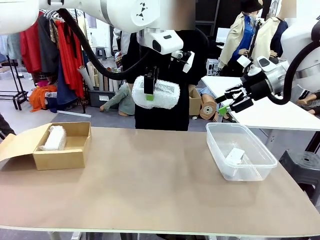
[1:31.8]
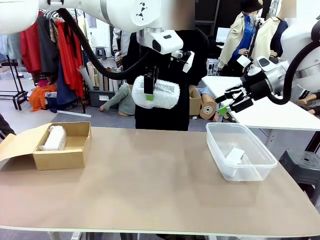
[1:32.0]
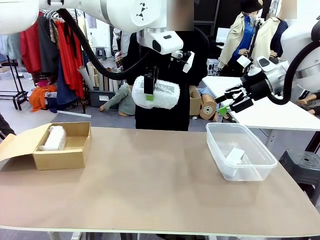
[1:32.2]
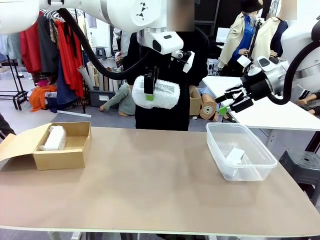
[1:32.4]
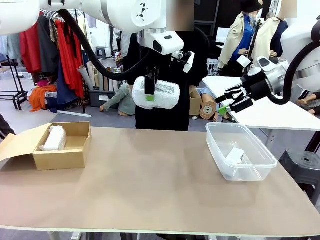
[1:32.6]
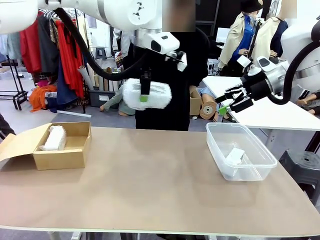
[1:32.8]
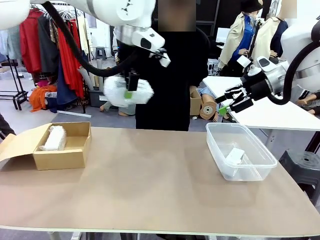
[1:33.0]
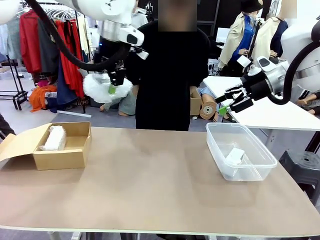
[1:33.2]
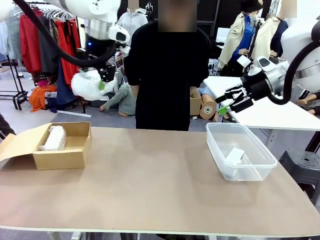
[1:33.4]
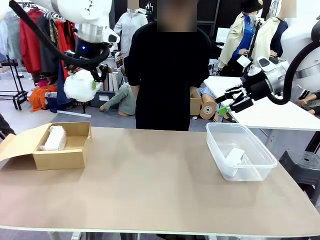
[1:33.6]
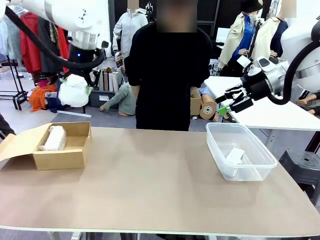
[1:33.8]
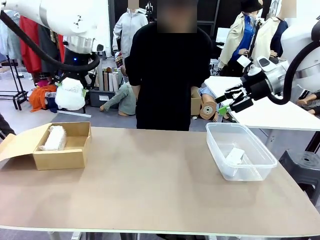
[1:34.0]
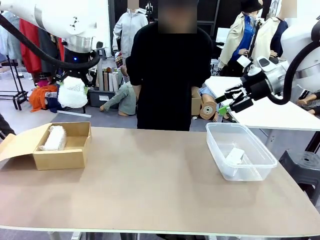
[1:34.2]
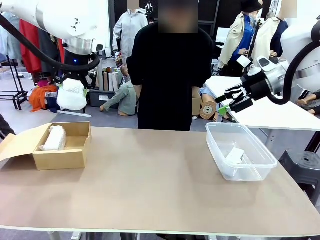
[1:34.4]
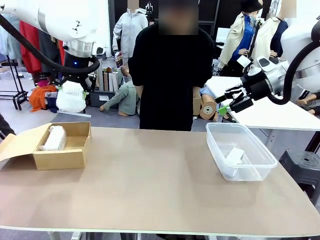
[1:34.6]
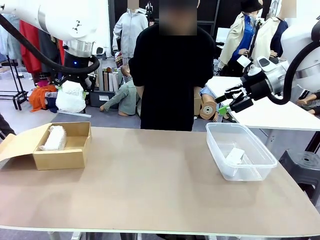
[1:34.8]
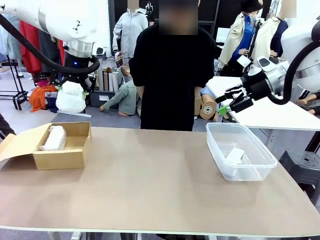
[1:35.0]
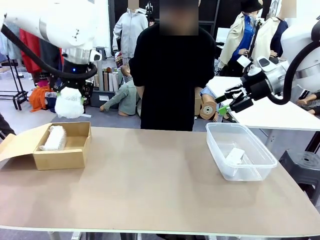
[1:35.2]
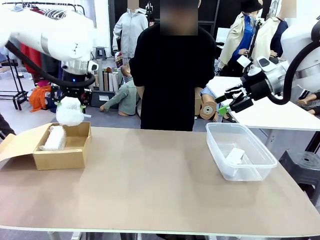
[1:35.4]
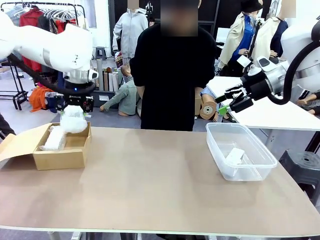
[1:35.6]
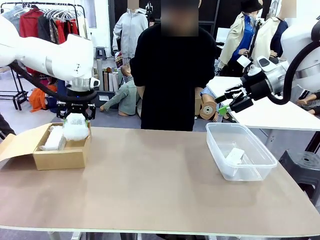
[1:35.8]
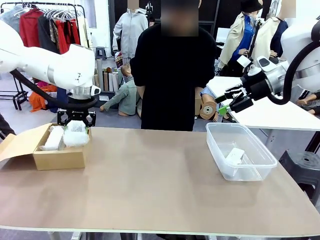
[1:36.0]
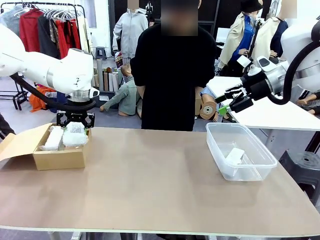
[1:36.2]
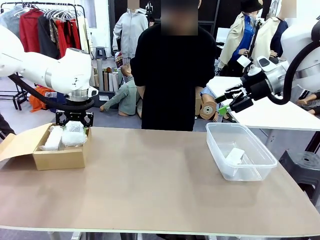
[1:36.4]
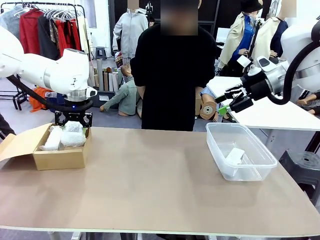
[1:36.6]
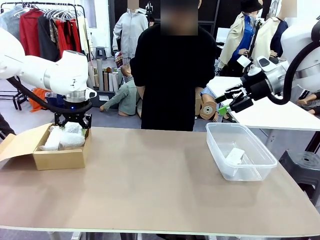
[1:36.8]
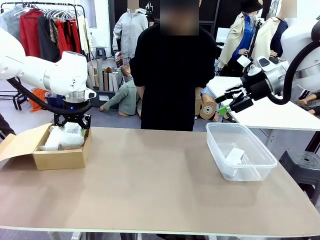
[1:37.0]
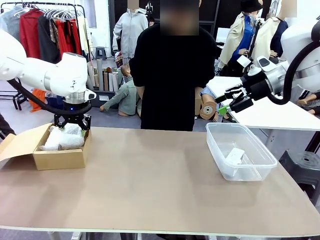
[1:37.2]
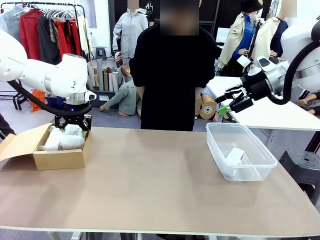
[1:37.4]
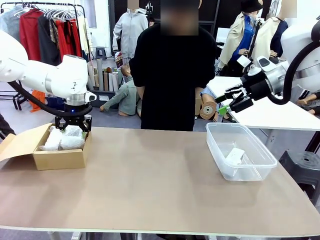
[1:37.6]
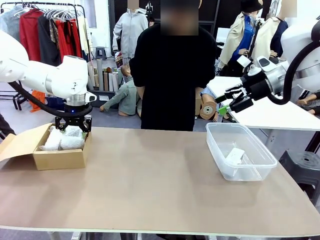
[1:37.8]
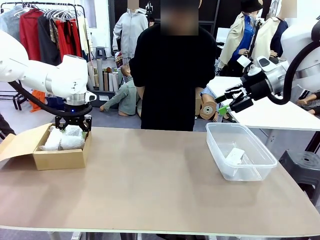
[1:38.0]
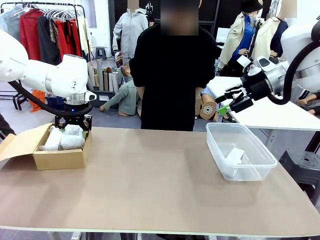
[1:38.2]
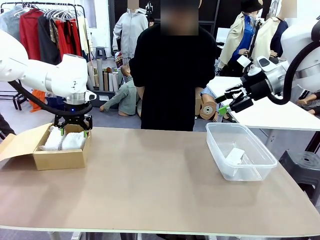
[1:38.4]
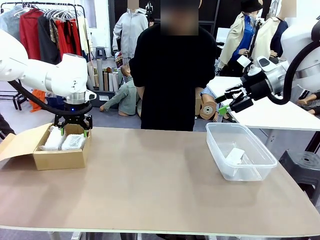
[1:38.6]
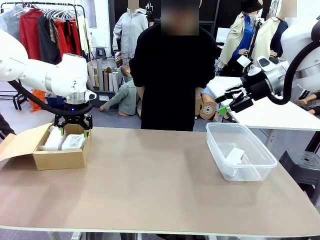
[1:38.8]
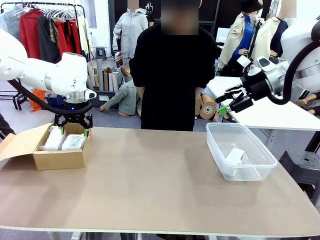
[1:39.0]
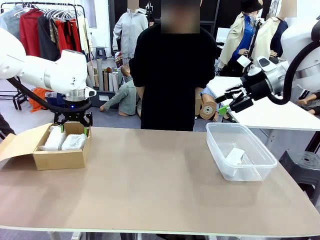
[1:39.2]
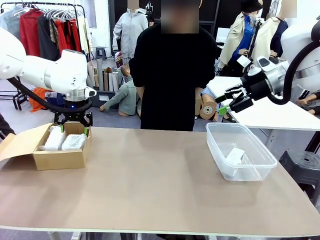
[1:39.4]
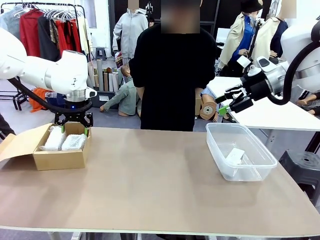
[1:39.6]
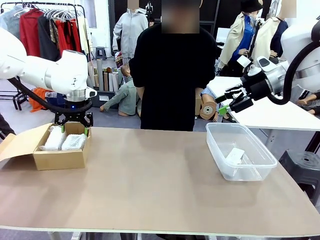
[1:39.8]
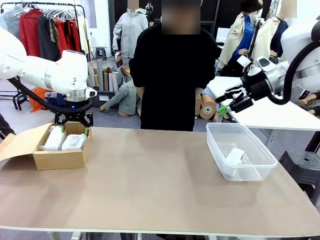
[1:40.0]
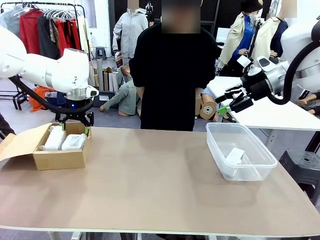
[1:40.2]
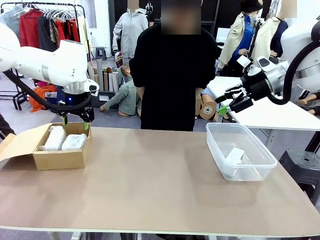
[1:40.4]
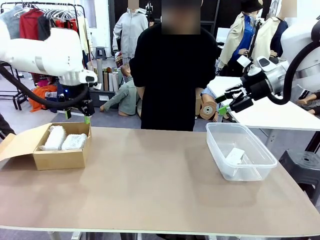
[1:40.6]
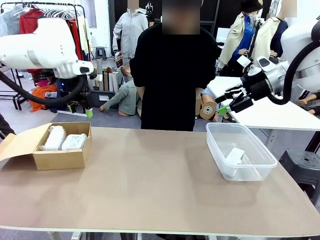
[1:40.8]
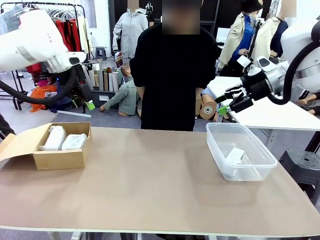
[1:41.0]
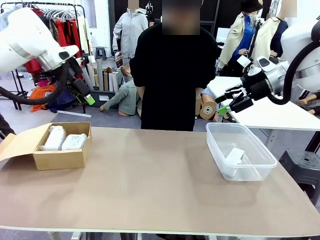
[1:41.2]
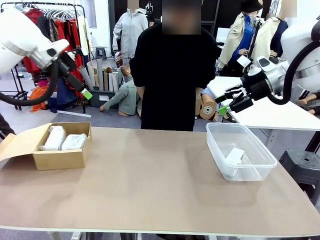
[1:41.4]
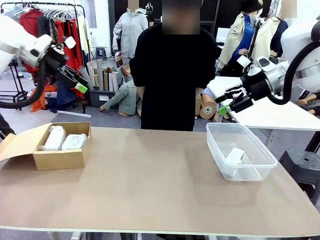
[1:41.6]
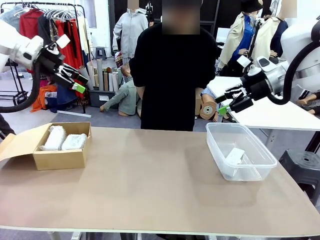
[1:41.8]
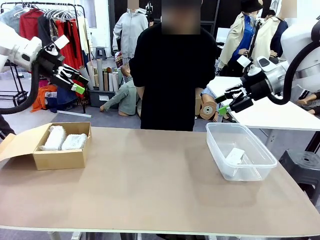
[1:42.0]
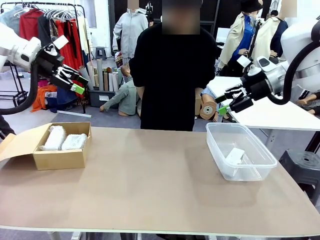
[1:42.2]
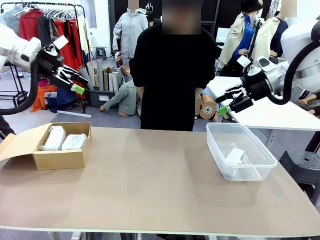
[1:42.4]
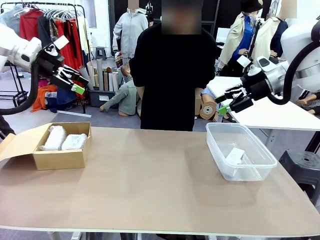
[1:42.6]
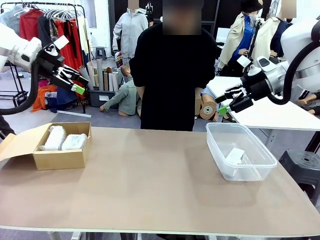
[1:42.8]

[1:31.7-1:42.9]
Task: Separate and place wrapped and unwrapped clocks.
Robot: If the picked Digital clock is wrapped, place it in the Package Box ; if not, place it in the Organizing box.

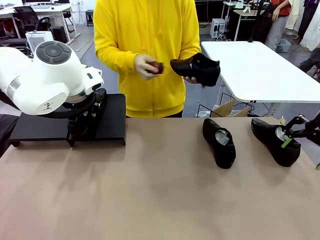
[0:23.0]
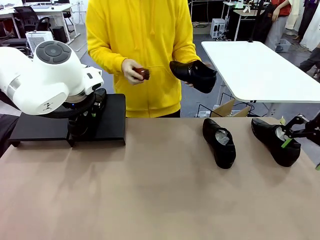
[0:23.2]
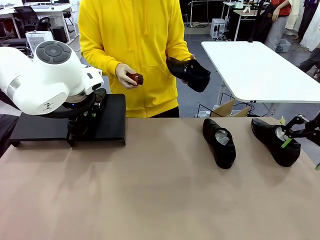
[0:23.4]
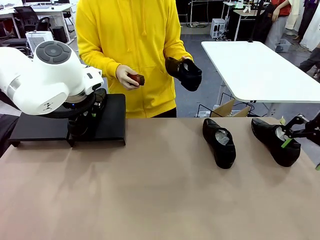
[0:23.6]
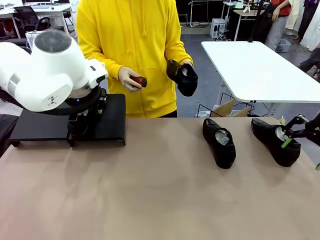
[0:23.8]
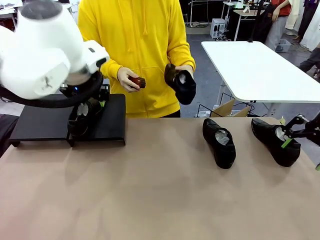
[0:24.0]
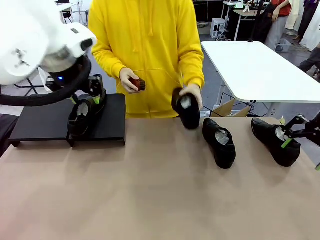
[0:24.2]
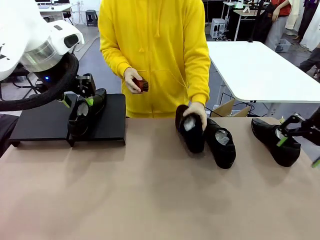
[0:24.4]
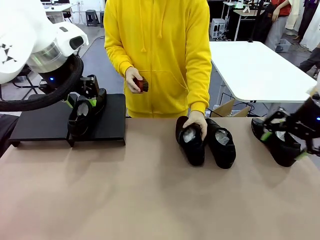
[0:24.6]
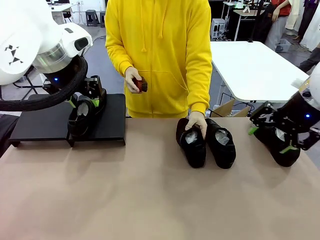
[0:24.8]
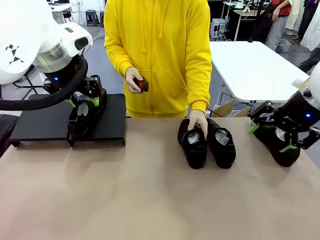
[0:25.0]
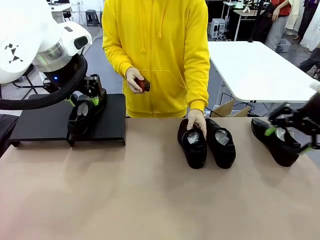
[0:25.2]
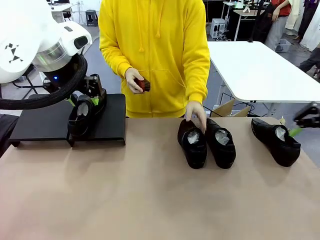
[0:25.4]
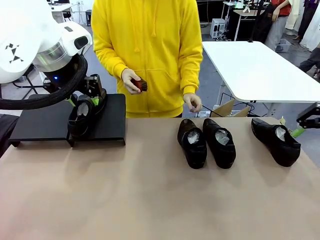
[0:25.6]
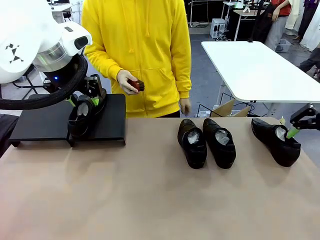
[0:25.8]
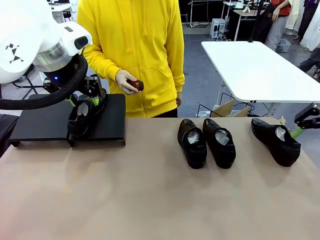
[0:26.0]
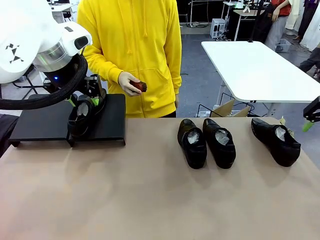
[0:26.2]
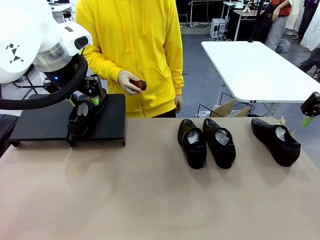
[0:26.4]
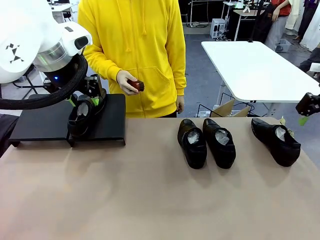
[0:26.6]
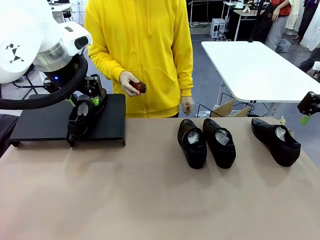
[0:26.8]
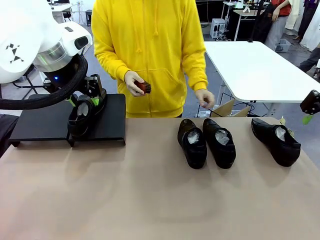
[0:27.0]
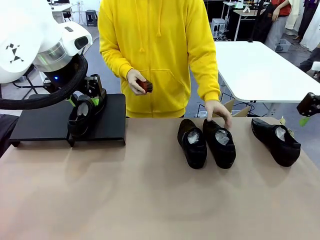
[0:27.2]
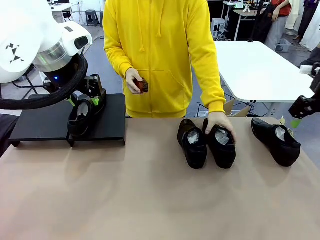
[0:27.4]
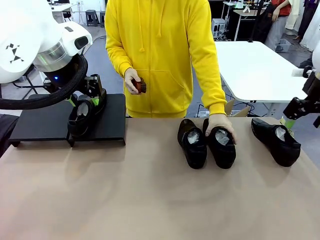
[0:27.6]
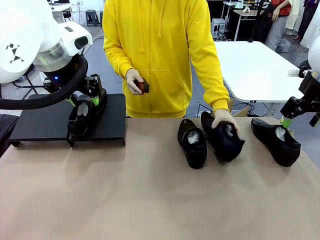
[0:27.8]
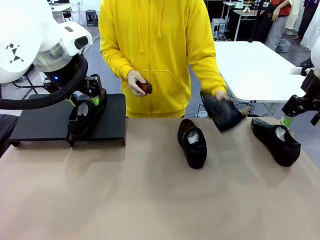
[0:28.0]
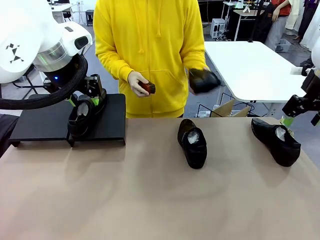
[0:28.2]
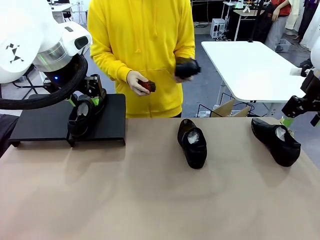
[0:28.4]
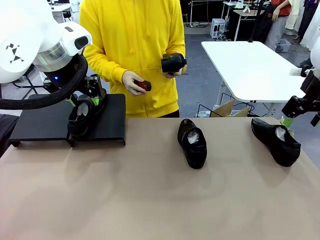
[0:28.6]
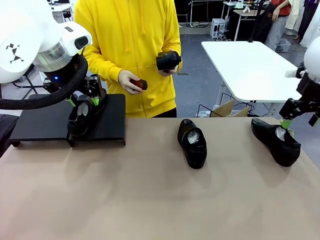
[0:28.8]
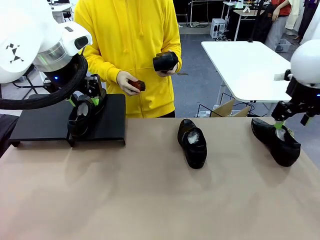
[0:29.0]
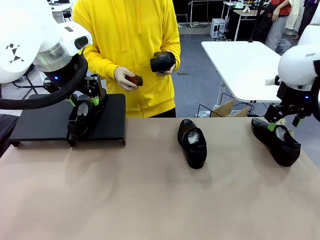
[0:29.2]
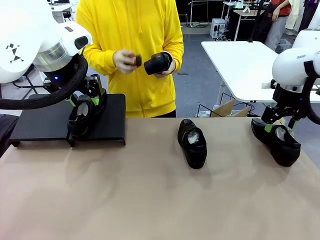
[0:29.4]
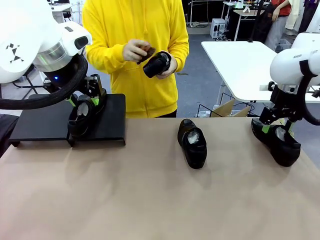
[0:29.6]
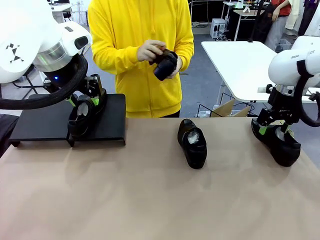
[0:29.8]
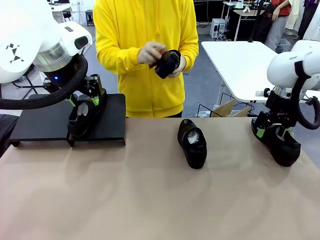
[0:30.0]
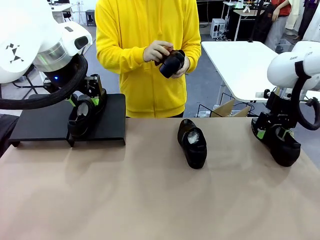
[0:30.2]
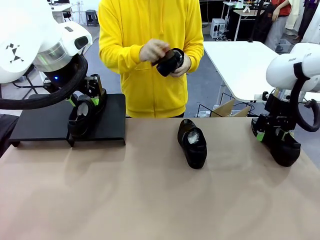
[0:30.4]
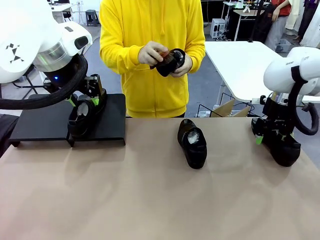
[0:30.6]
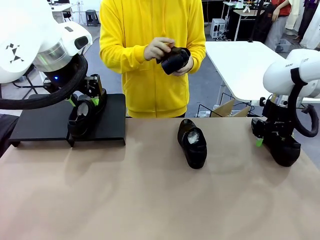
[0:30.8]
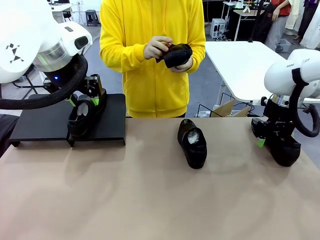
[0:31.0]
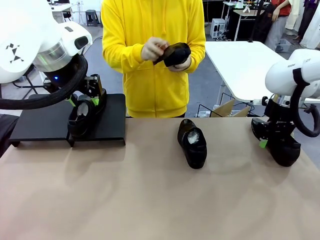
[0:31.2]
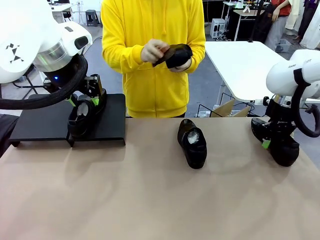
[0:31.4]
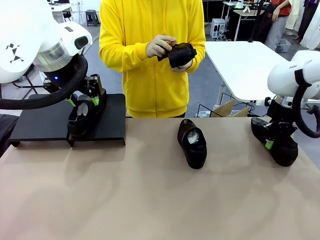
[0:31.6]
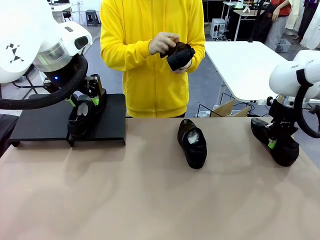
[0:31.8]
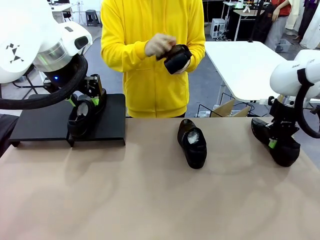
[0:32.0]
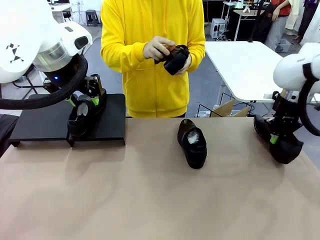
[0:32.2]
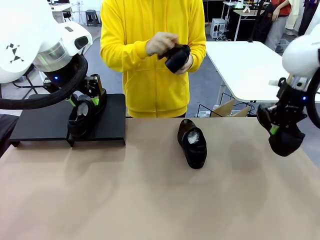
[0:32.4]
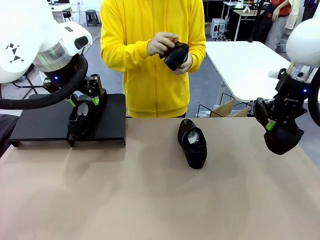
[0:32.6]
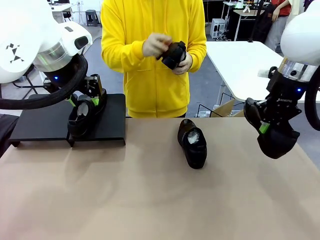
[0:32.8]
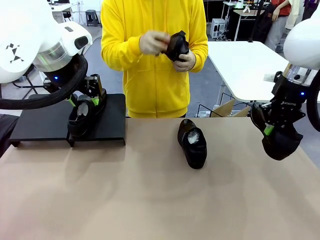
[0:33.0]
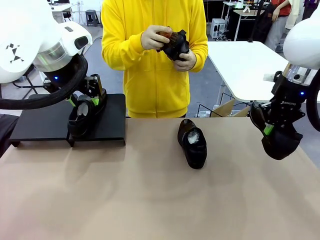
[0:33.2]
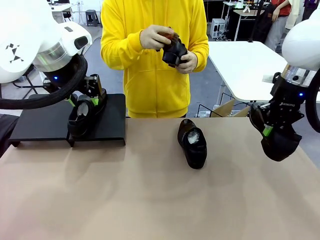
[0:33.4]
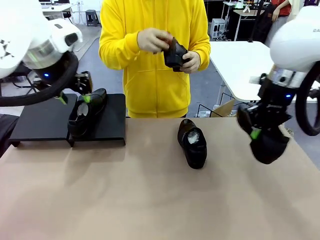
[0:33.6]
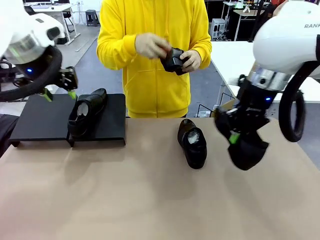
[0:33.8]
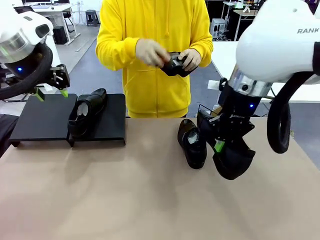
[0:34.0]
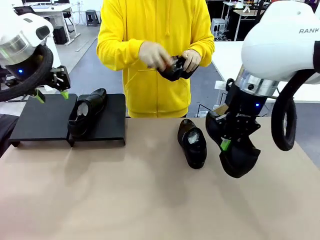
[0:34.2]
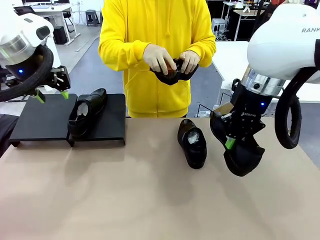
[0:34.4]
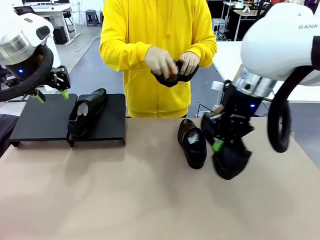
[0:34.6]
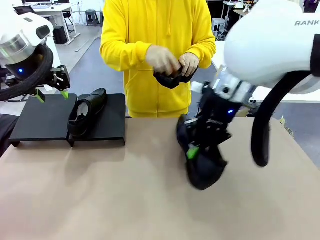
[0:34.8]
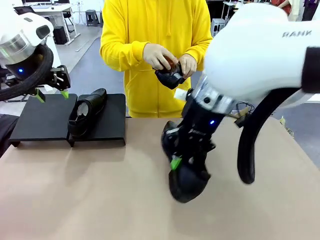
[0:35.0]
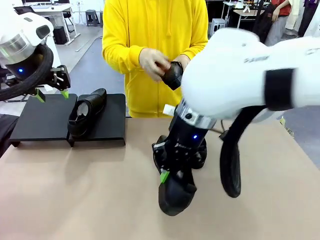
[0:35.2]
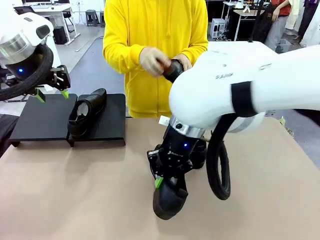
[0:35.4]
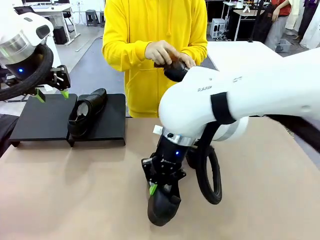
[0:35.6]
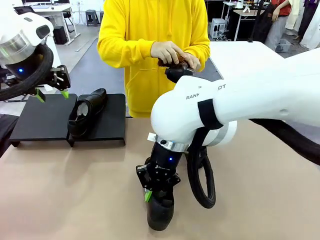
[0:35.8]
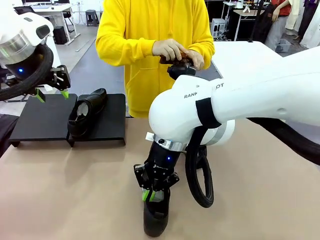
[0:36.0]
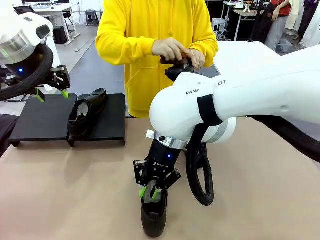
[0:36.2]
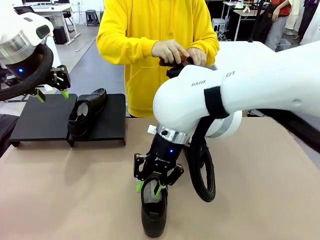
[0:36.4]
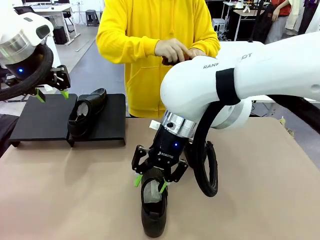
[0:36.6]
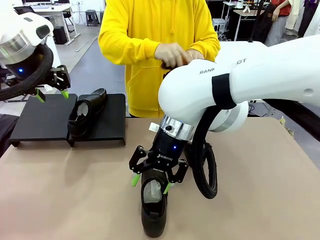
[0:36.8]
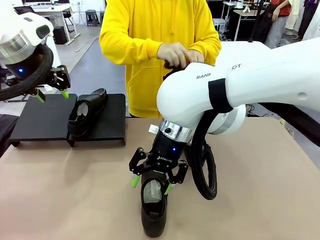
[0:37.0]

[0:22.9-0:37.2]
Task: Organize the shoes by placing them on the stand.
Robot: Pick up one Shoe and place it in the middle of the table.
Person: Place the Shoe on left side of the Robot's table. Pick one Shoe on Robot's table.
